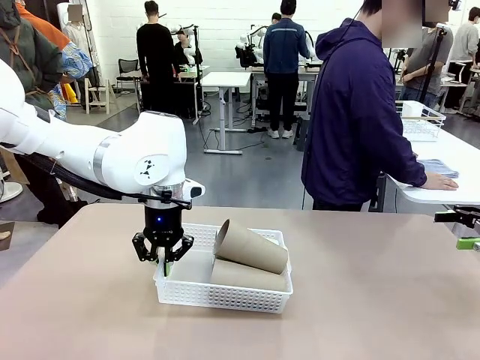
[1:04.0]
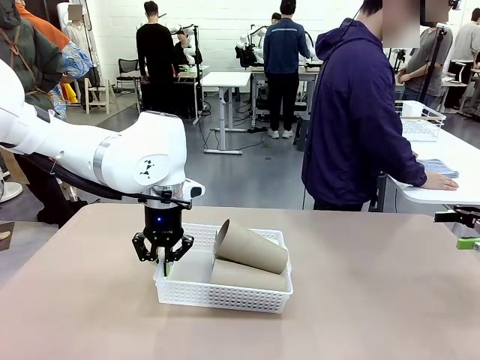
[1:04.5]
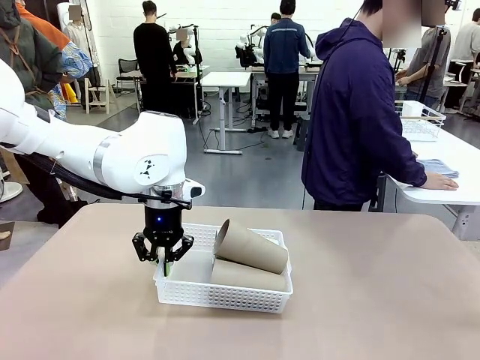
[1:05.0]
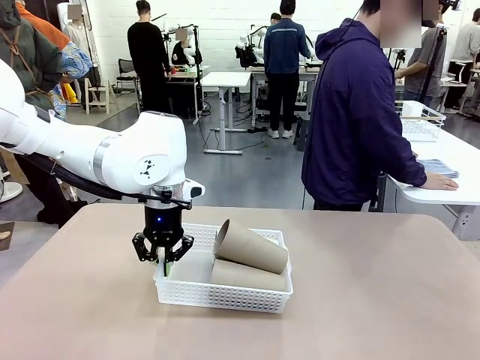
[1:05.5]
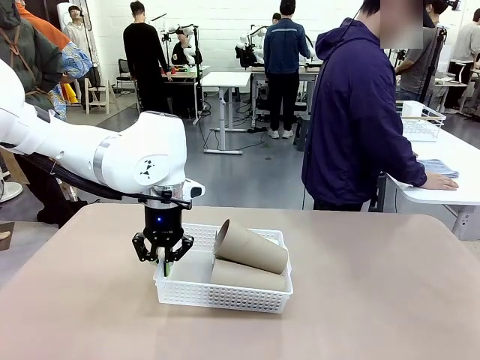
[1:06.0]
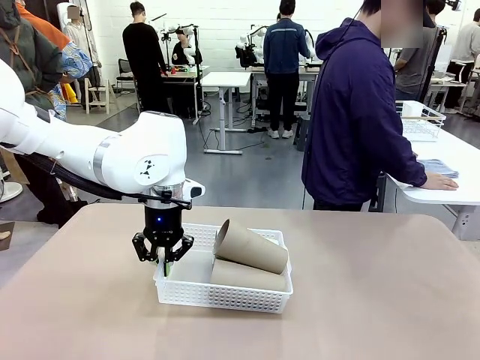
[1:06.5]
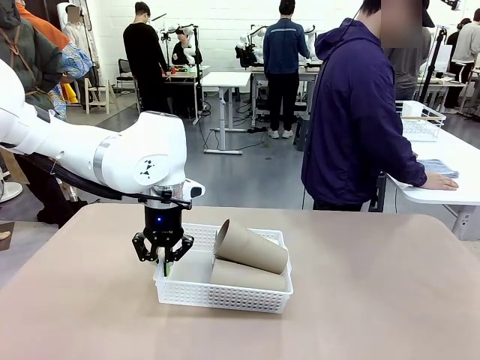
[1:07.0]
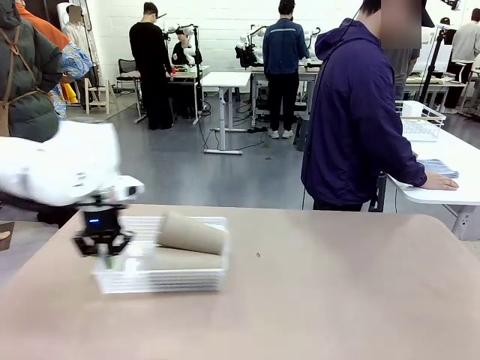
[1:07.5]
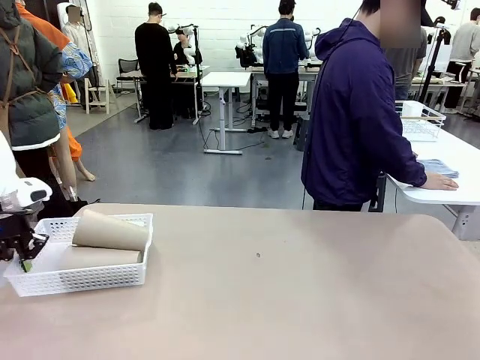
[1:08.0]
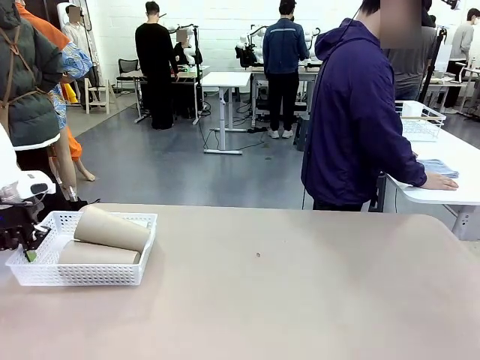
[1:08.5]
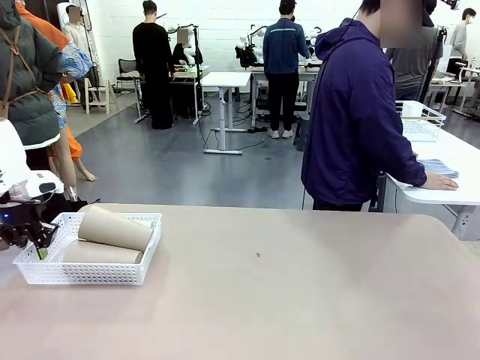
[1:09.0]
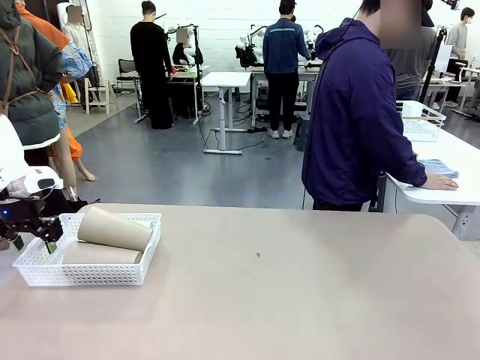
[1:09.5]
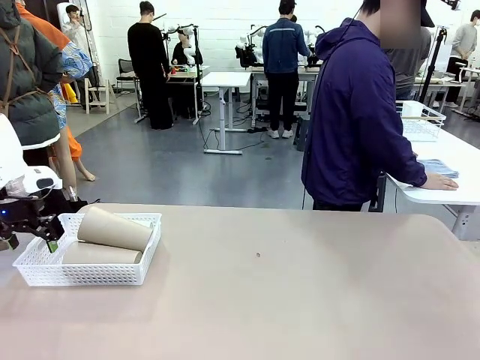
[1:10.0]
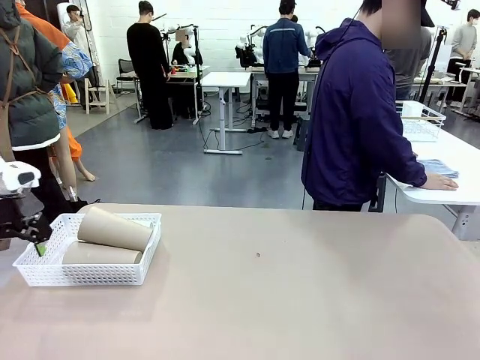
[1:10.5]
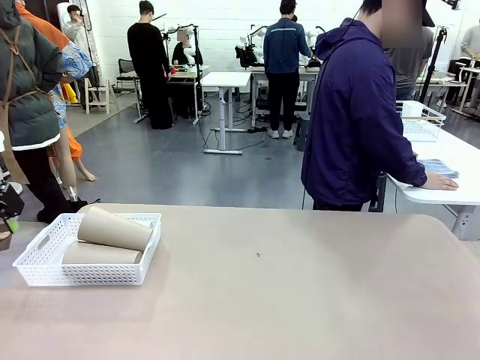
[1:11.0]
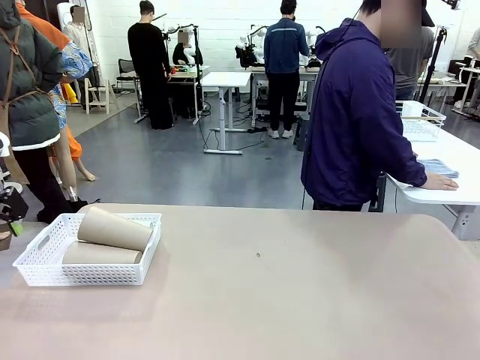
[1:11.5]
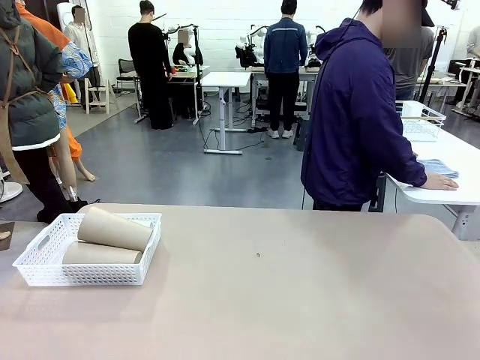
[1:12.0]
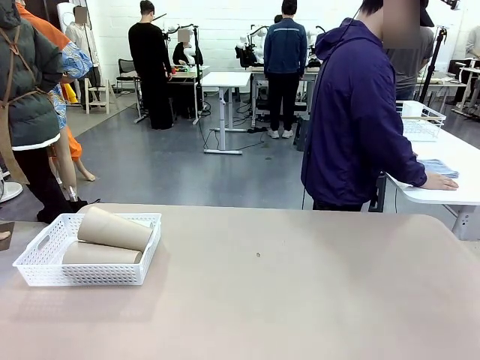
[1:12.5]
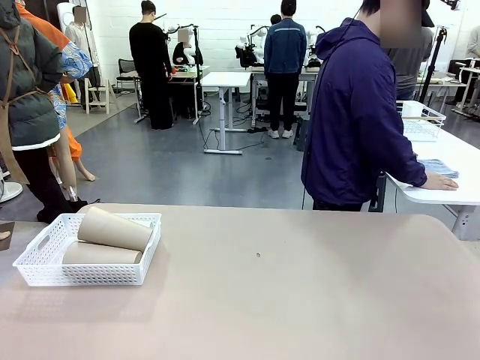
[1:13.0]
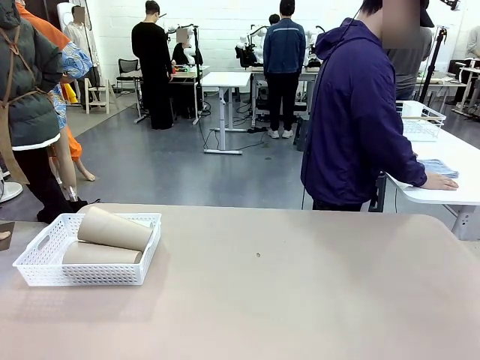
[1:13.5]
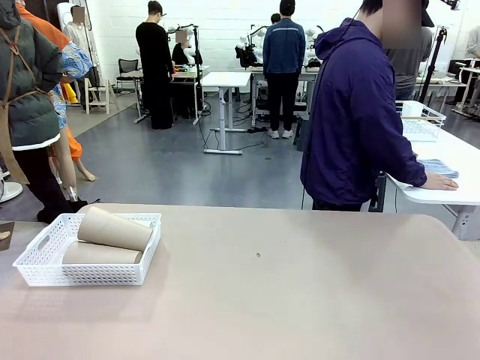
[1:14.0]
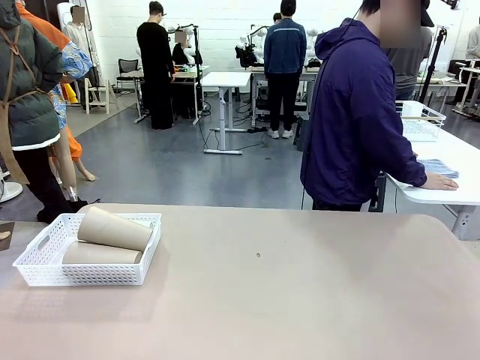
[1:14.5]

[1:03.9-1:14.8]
Task: Clean and organize the cups into the basket.
Robot: Move the Organizing basket back to the left side of the table.

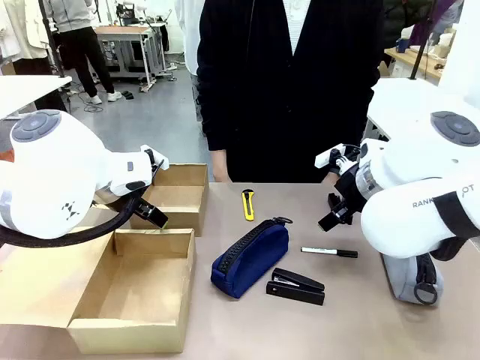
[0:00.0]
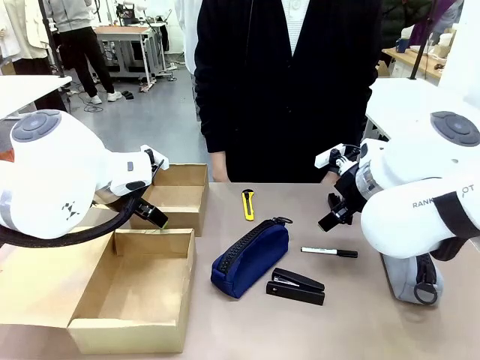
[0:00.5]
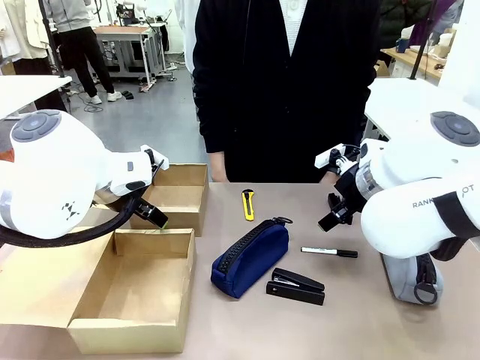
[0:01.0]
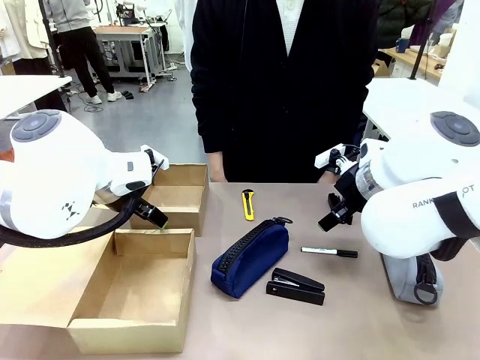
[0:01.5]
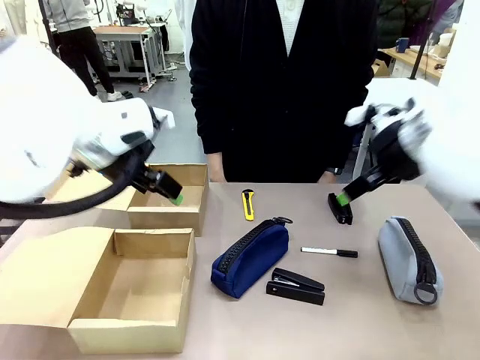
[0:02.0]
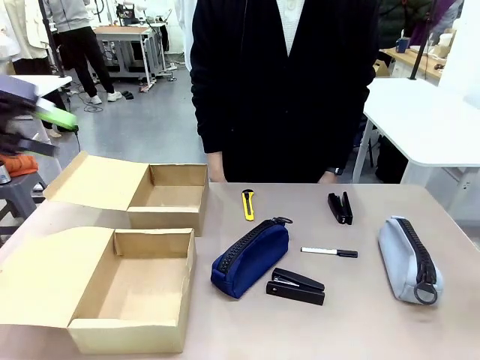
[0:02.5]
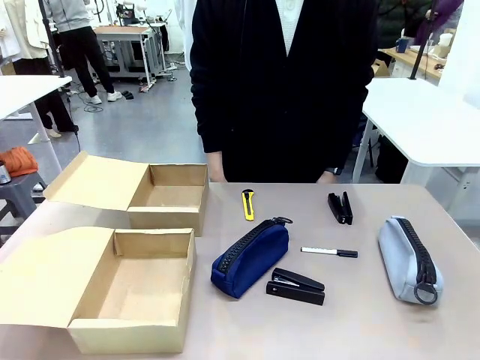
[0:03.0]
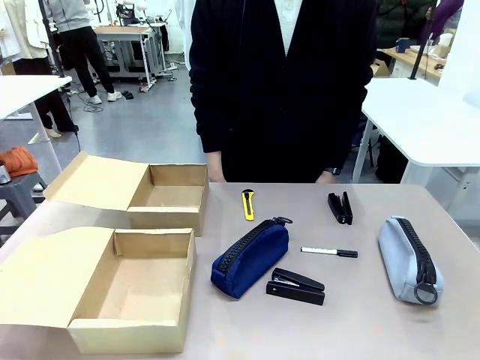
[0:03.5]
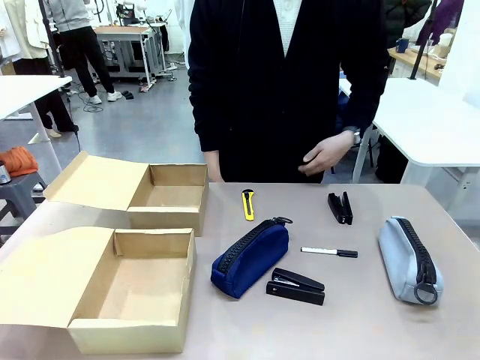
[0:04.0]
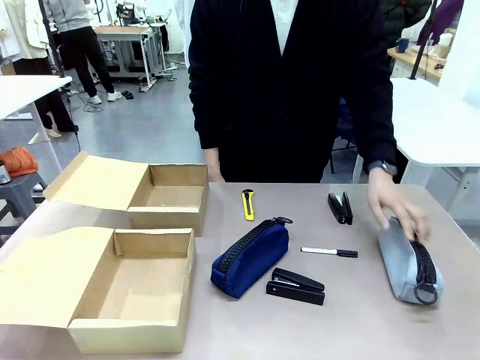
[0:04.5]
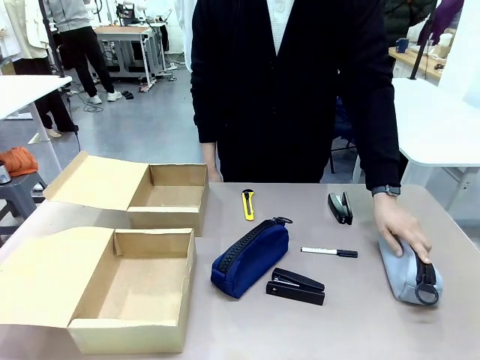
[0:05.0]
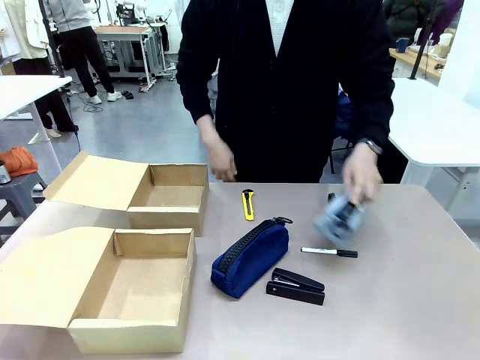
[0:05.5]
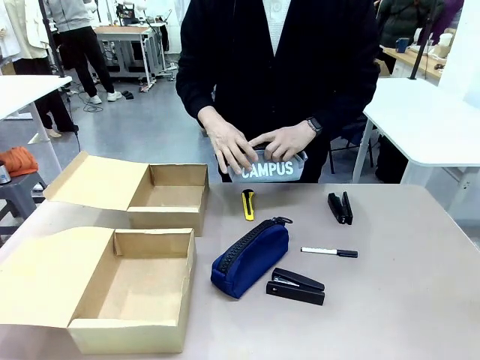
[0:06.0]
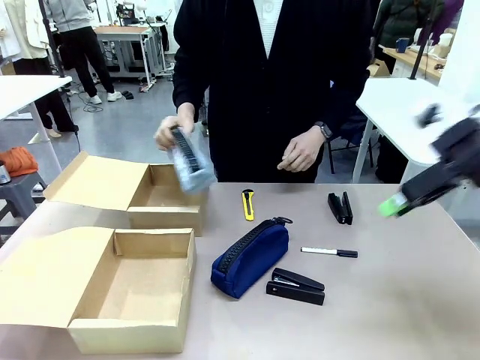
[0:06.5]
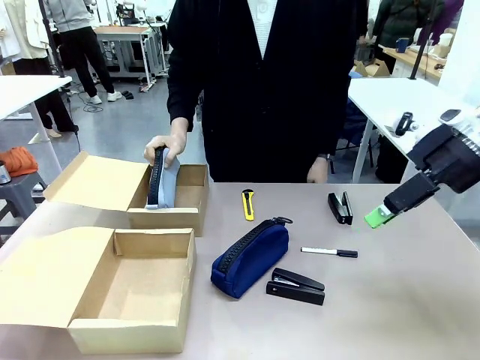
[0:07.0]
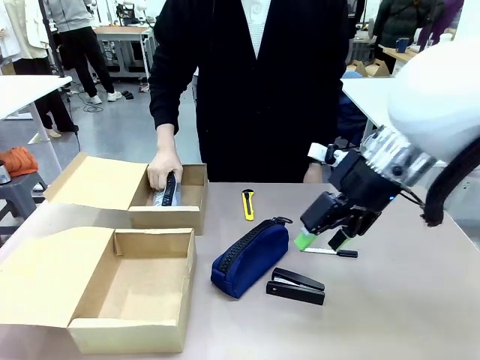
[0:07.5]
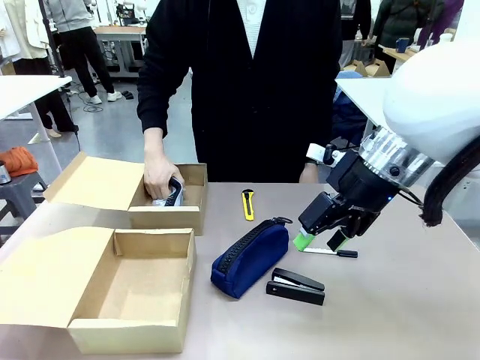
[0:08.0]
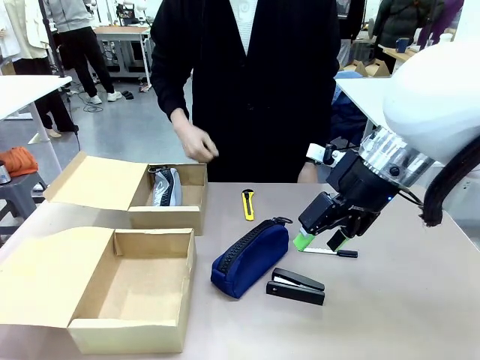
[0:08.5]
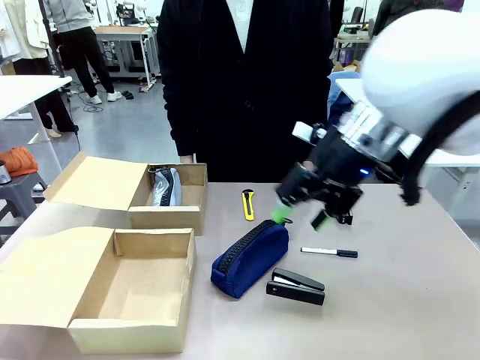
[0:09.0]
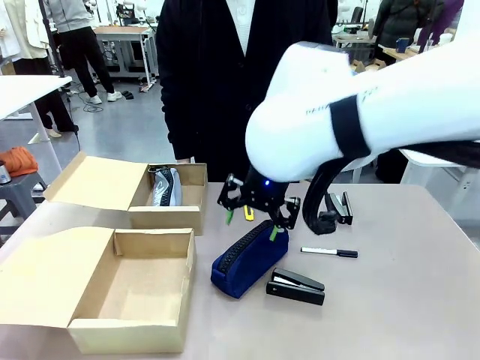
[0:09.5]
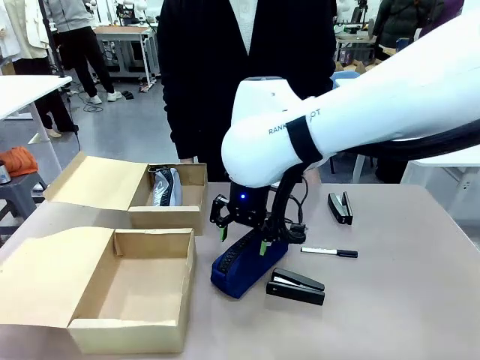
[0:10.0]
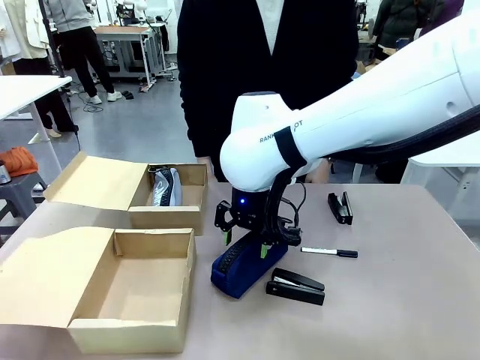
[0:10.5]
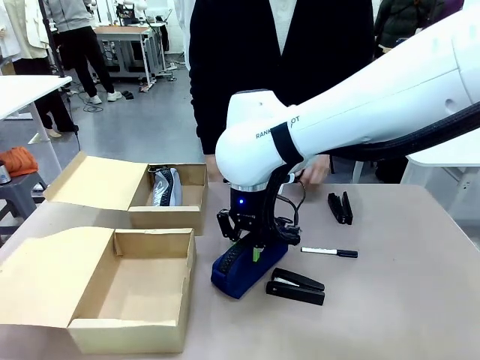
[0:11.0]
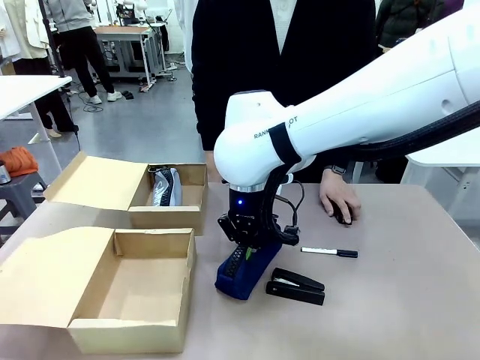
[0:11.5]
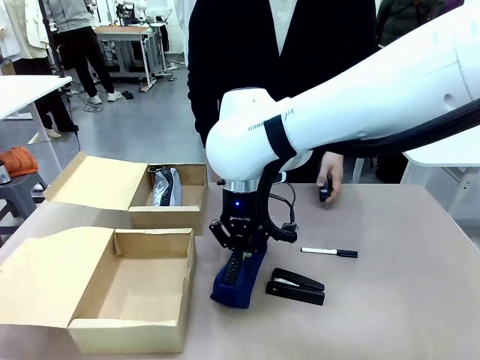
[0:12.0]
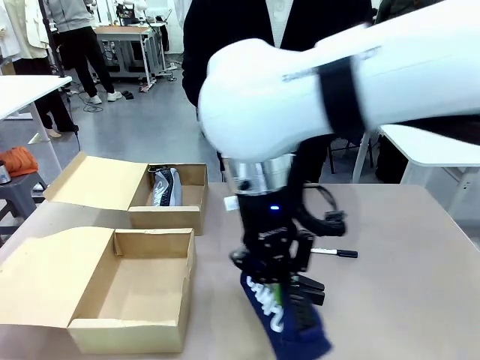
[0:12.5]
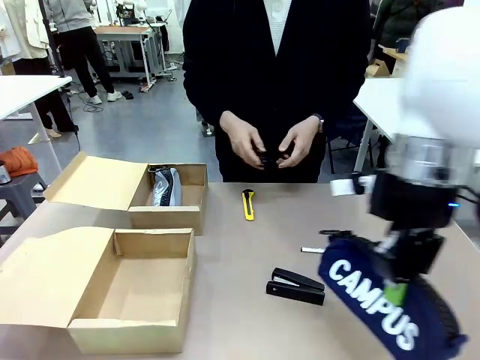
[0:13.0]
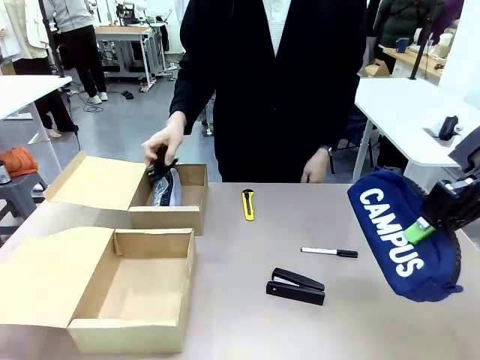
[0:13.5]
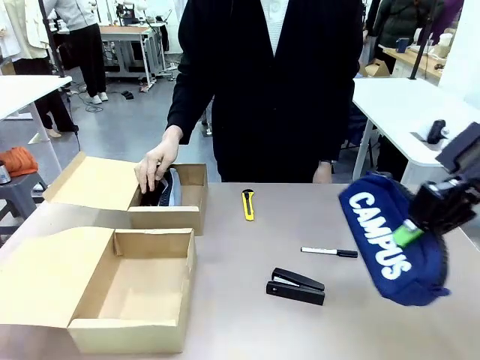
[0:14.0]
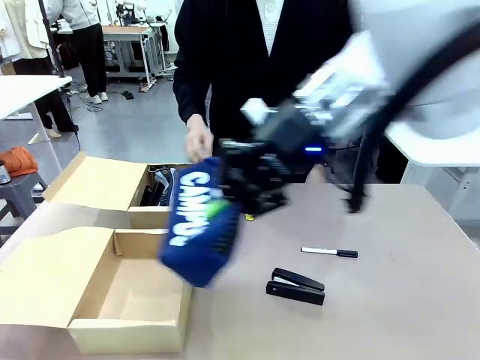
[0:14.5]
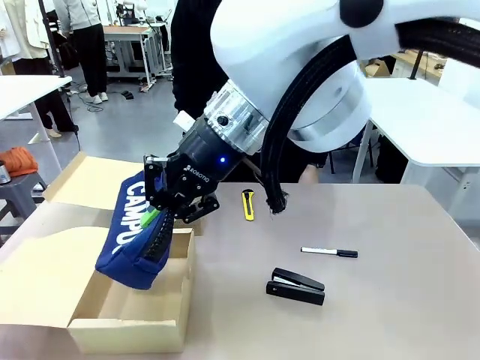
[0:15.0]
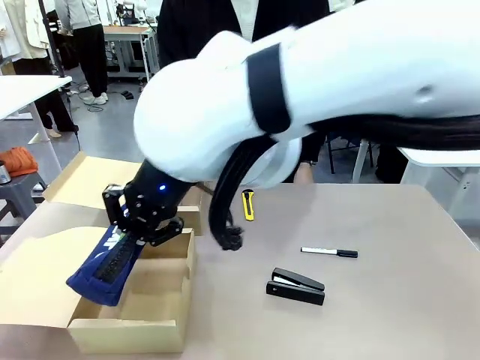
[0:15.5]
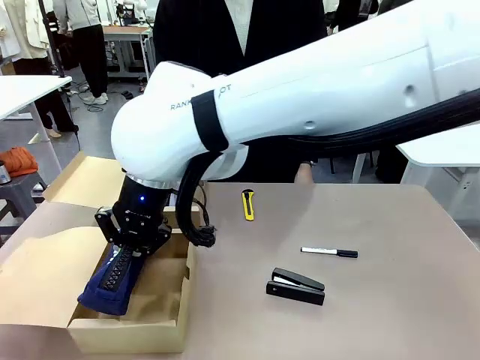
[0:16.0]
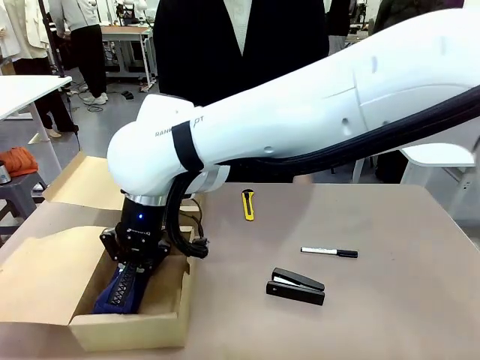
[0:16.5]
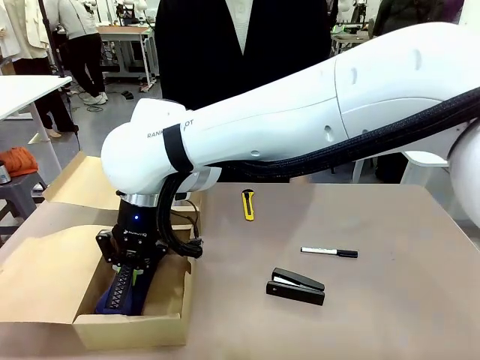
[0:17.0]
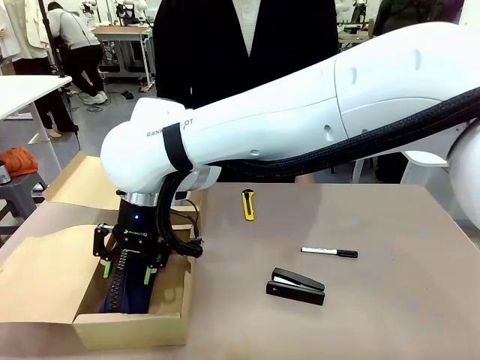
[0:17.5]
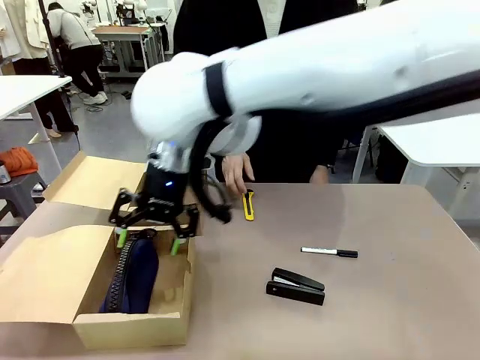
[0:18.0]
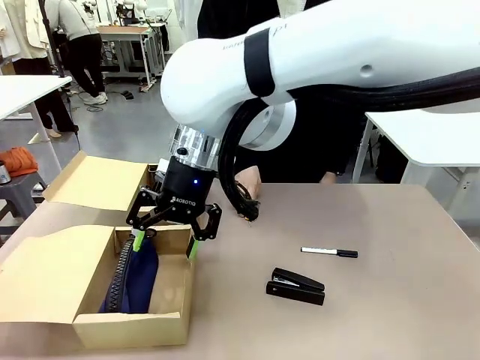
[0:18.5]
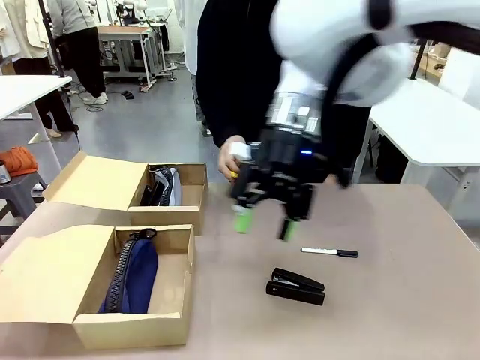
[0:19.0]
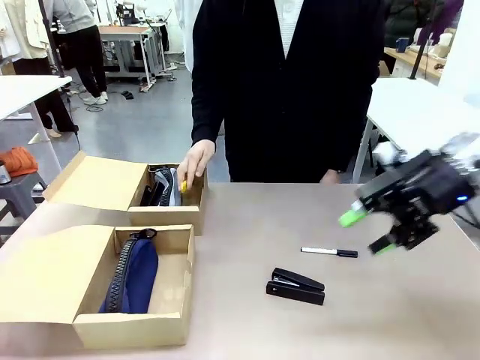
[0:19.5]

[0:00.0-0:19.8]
Task: Place items inside the box.
Robot: Pick up a Pencil pouch or Stapler and place it inside the Mailer Box closest to the robot.
Person: Pick up an object on the table and put it in the box.
